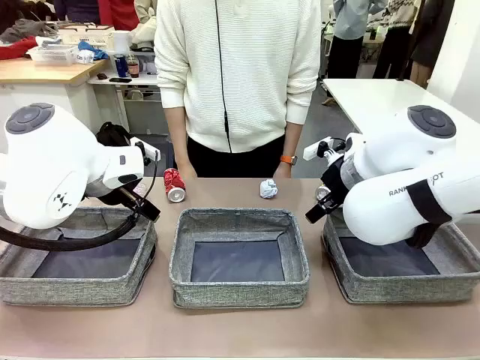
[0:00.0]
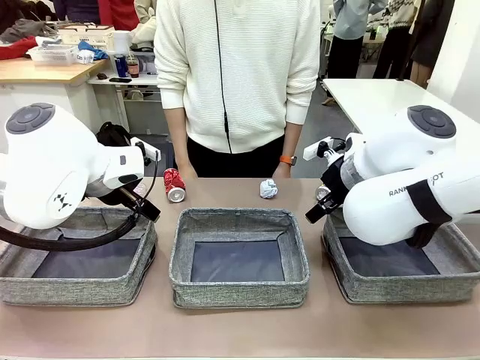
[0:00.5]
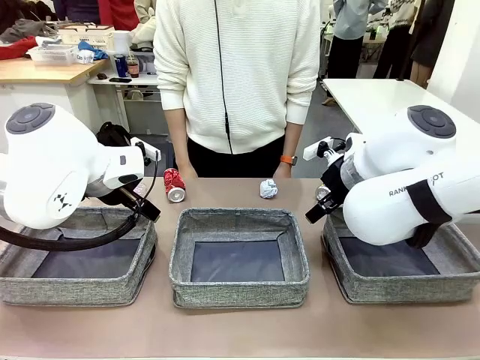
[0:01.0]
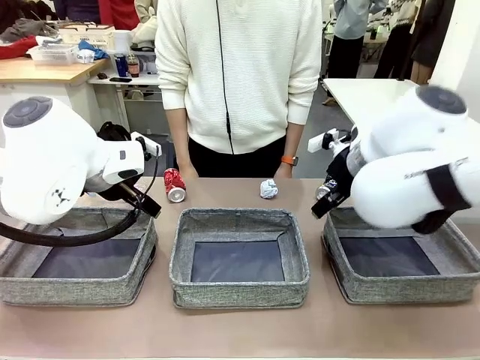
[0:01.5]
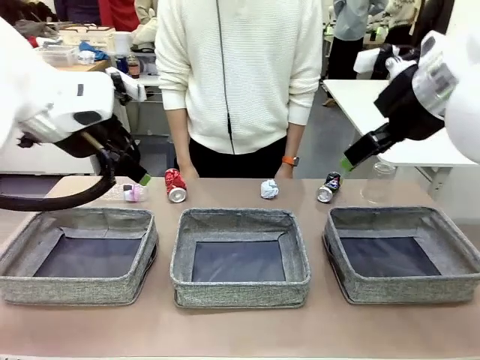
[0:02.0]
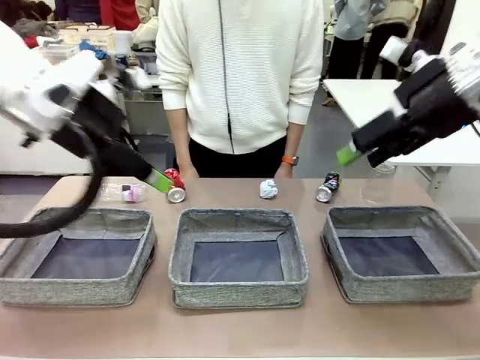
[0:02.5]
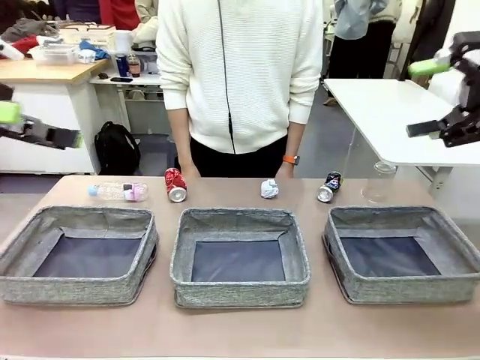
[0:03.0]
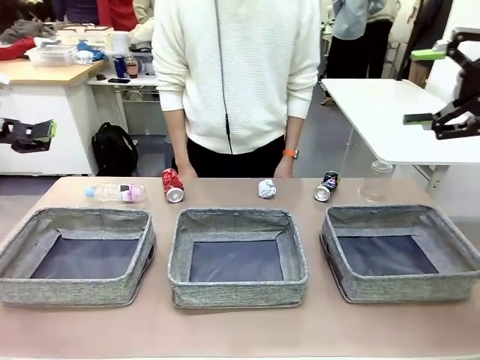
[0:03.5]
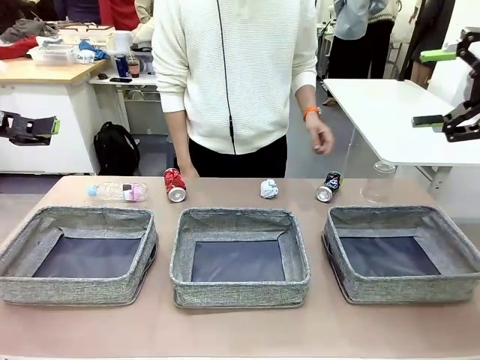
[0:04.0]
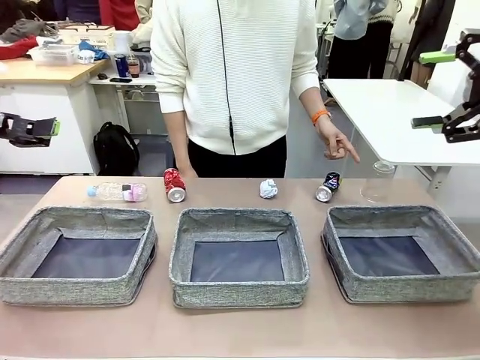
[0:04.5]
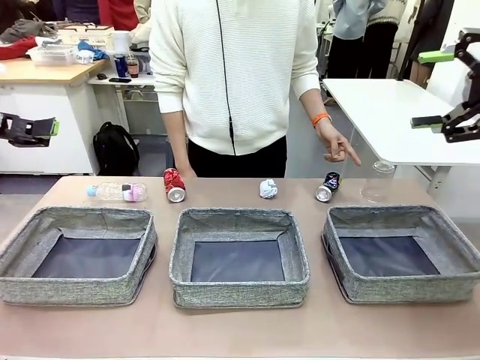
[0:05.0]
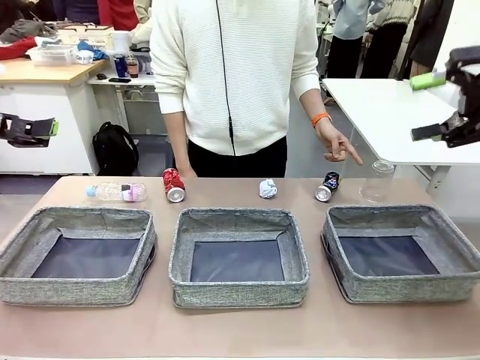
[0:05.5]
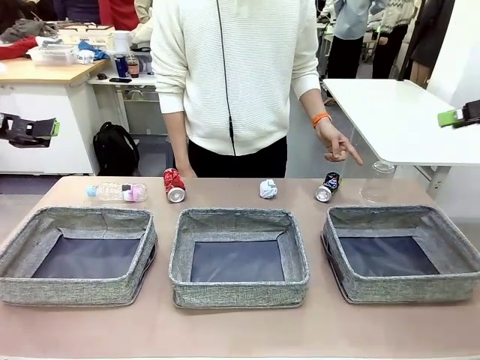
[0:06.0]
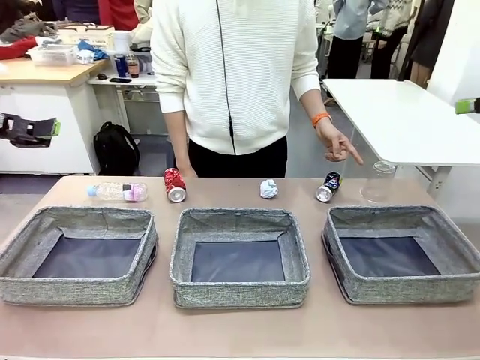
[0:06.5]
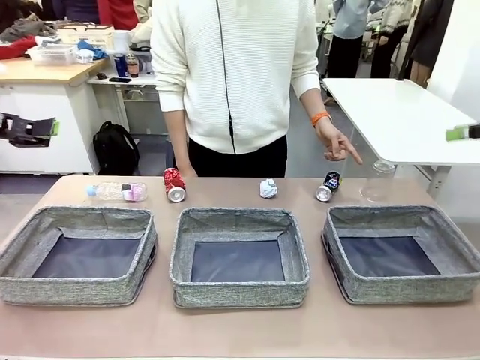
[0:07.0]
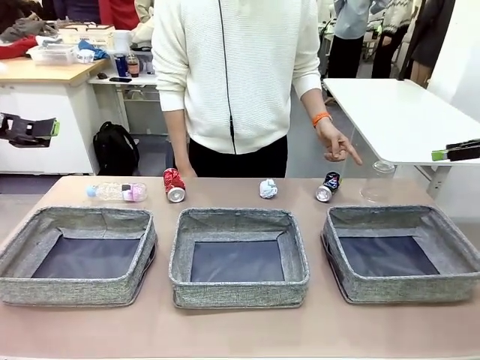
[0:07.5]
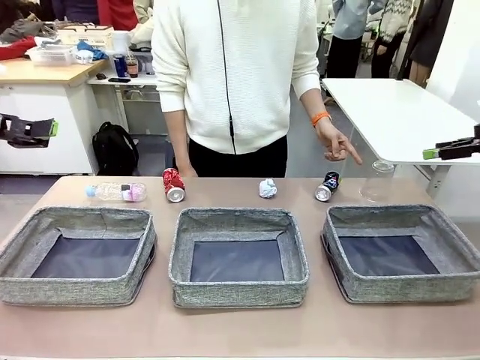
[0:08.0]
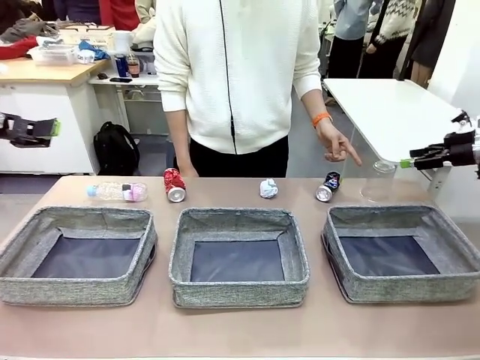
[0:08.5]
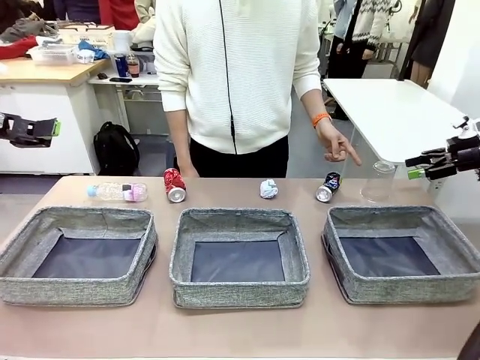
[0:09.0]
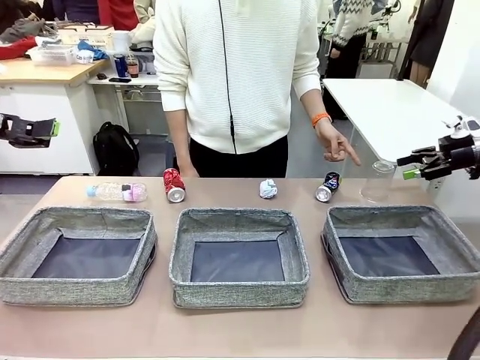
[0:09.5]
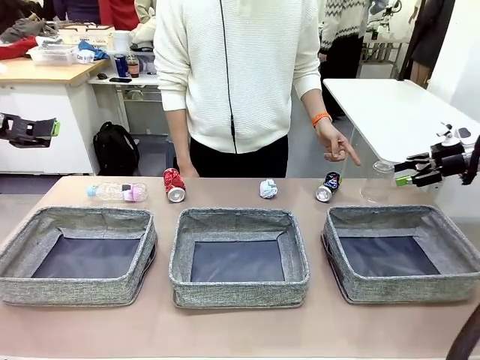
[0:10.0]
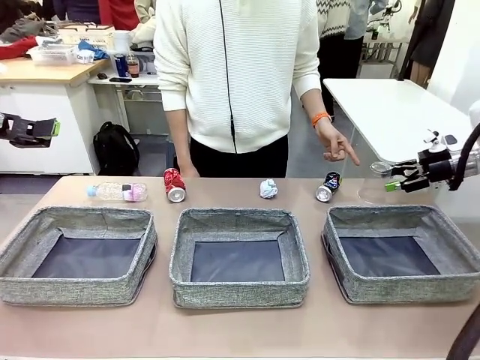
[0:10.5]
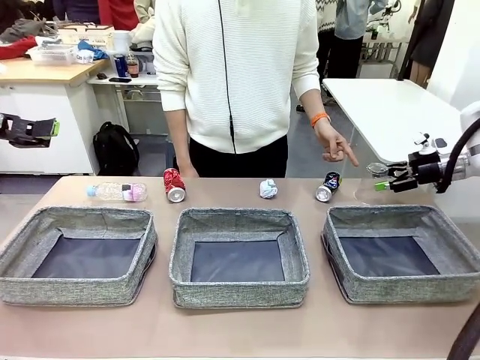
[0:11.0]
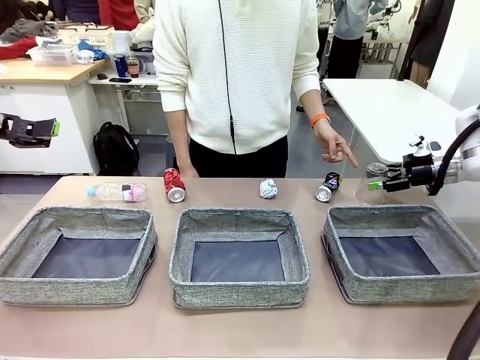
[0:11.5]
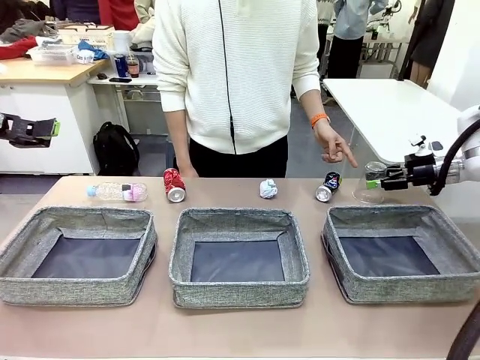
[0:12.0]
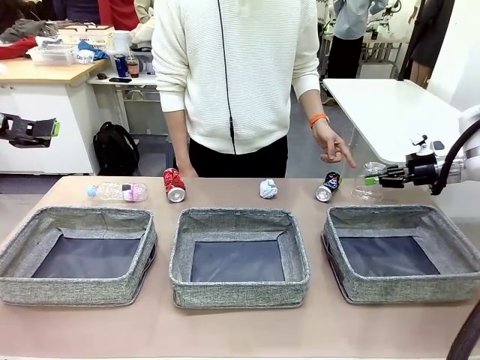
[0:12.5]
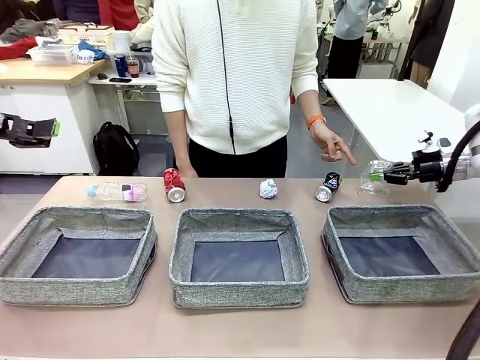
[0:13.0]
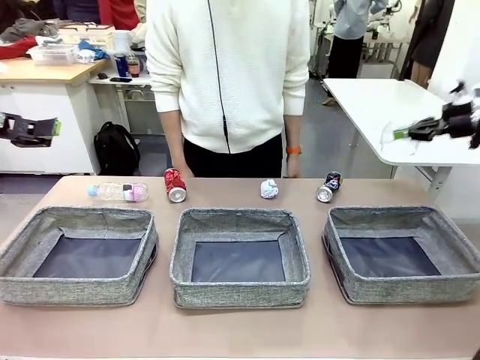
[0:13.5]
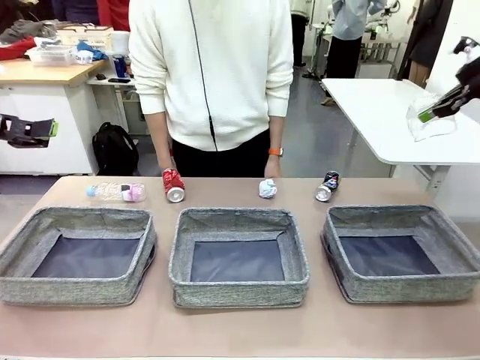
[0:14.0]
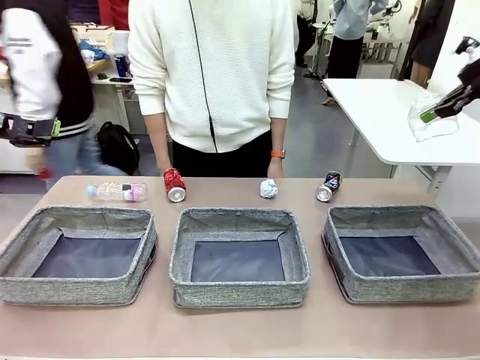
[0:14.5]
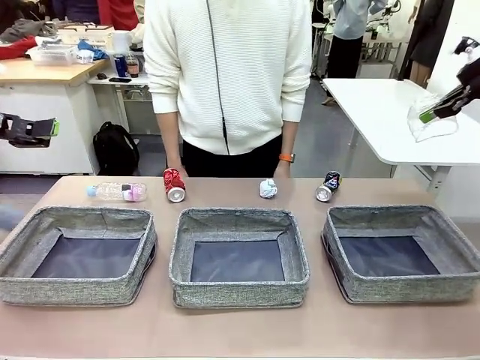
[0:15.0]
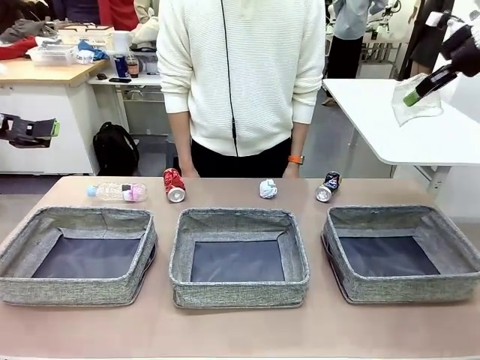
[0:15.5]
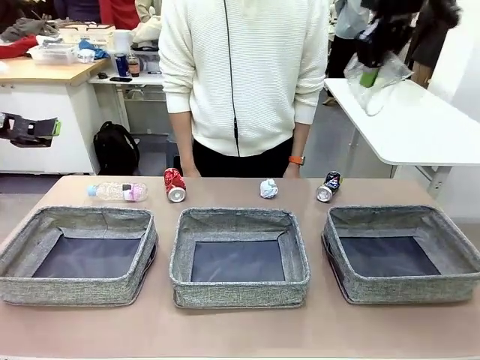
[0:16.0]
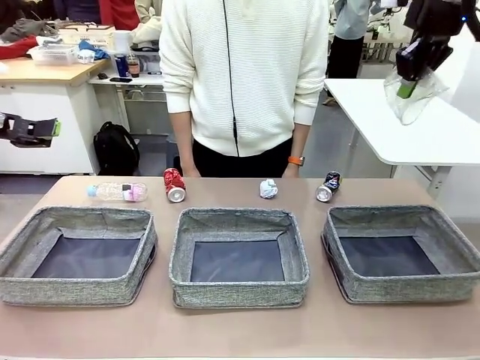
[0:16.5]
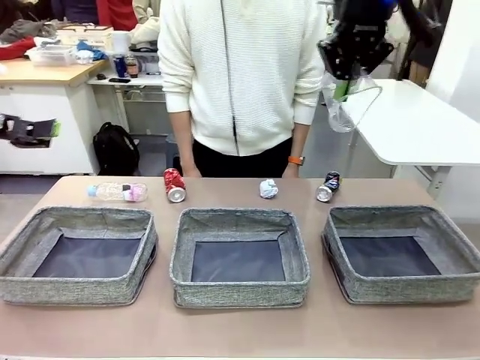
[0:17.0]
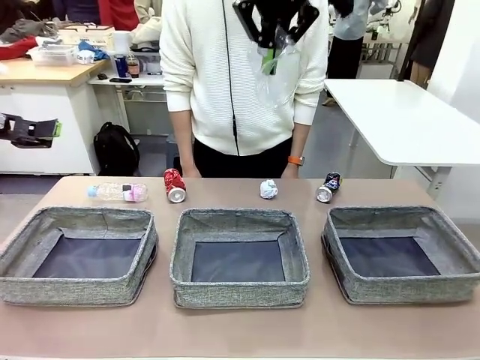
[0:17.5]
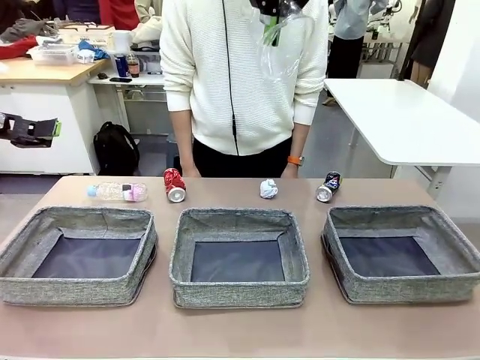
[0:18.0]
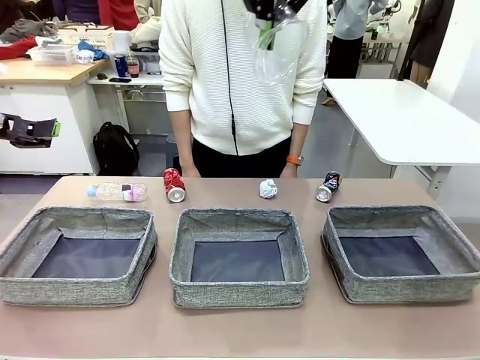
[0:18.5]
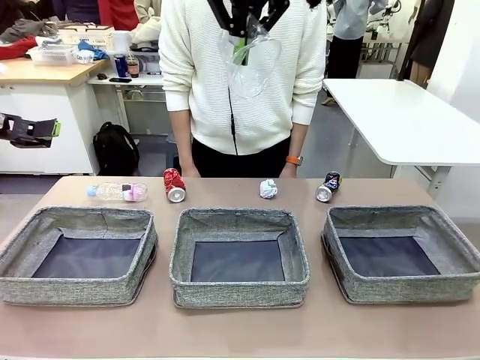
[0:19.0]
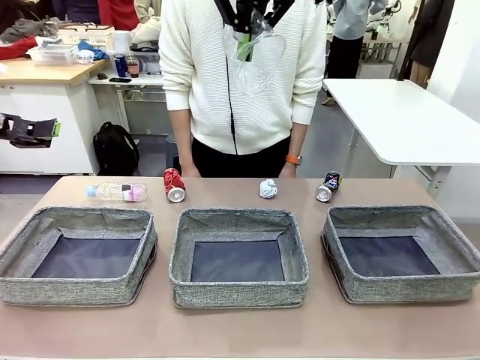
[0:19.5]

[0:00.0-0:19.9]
Task: Sort the waste into the appropriate baskets.
Robot: Pick up the waste item pointed out by the person.
Person: Points to one piece of trash on the table.

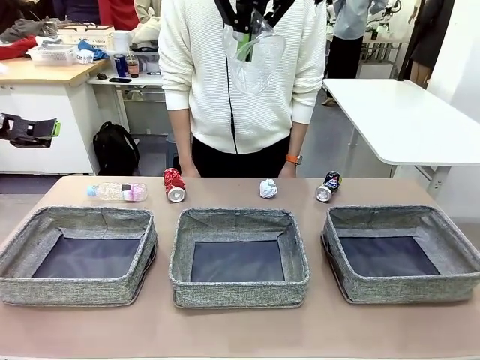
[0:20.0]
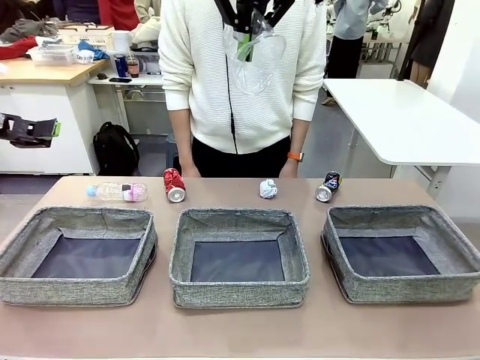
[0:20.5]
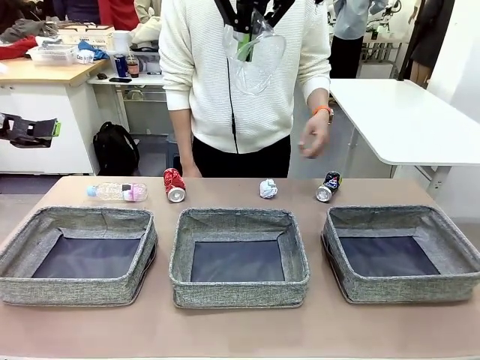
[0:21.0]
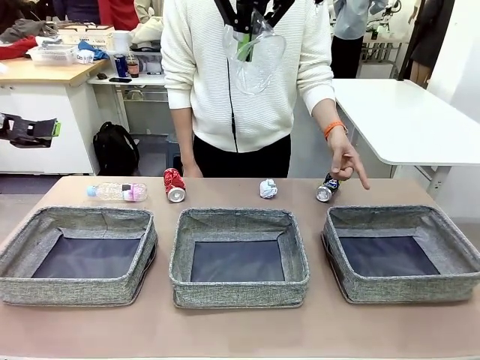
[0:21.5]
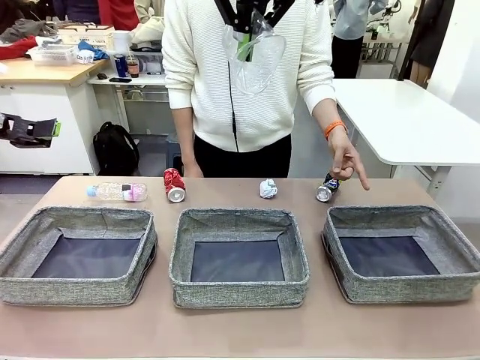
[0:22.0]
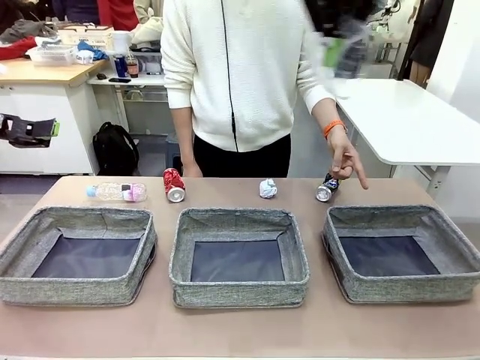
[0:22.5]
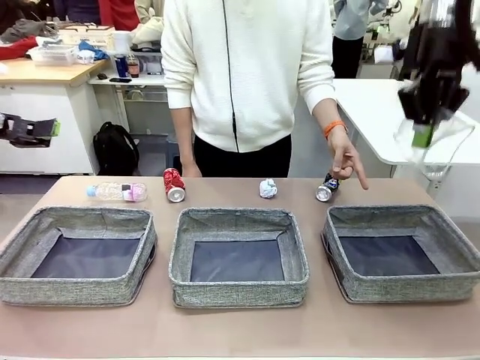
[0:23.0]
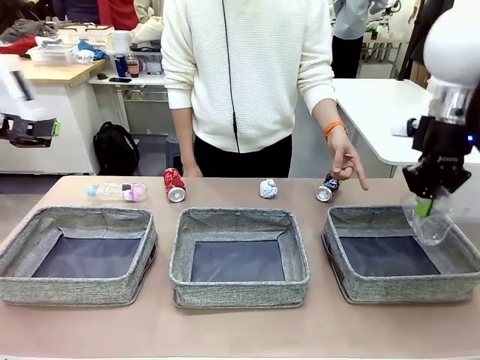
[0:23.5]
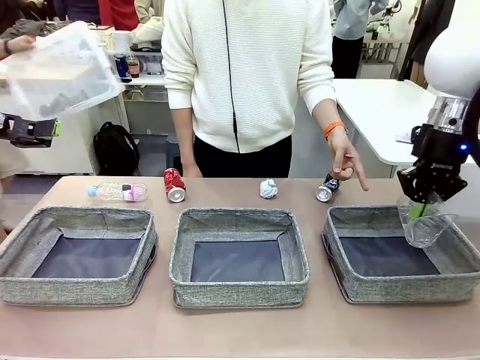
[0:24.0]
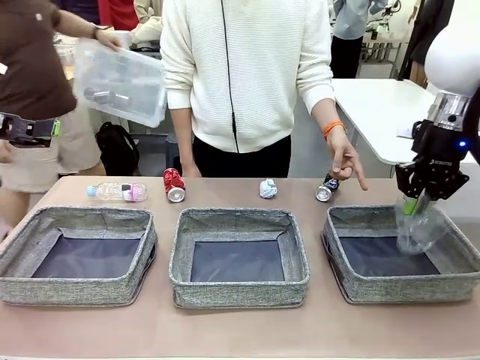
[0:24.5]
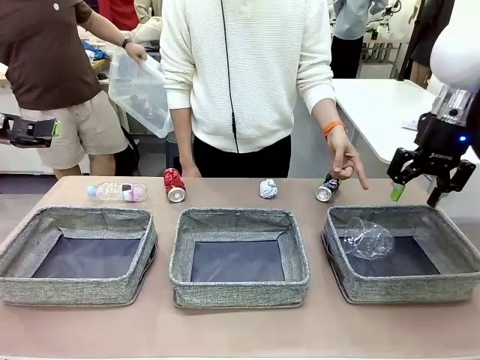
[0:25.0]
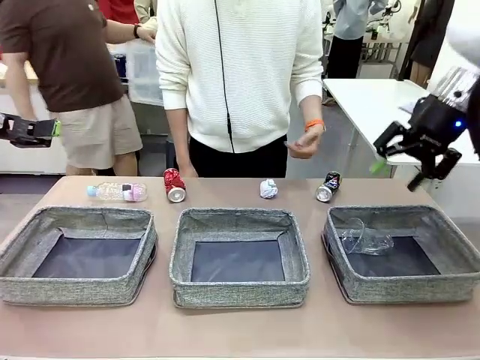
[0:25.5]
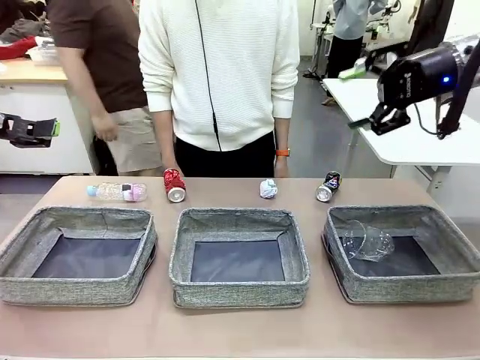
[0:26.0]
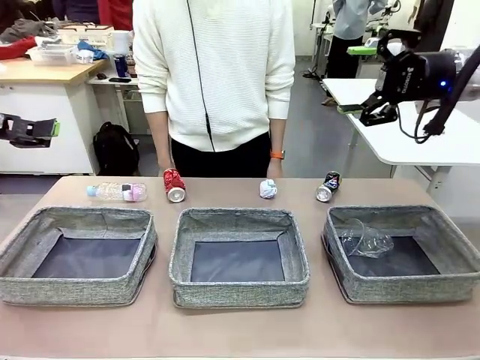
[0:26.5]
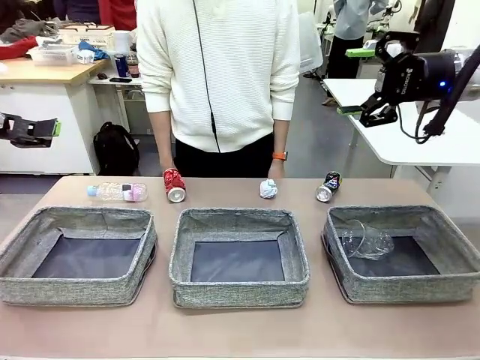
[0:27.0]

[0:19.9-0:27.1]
Robot: Place the picked waste into the Fabric basket indicated by the person.
Person: Instructs the robot to place the picked-up trash into the appropriate organizing basket.
